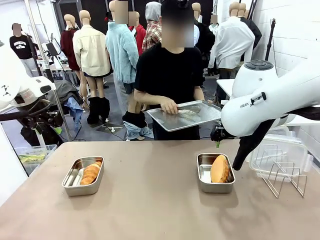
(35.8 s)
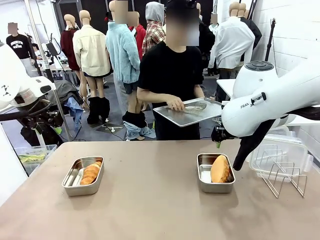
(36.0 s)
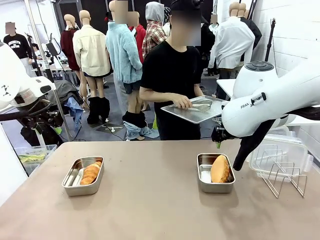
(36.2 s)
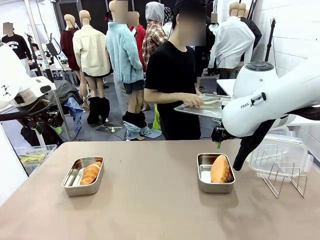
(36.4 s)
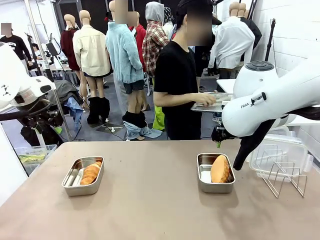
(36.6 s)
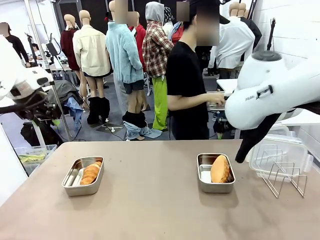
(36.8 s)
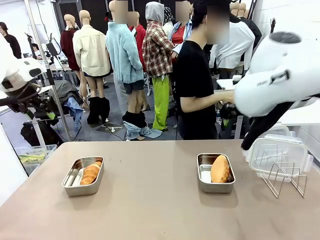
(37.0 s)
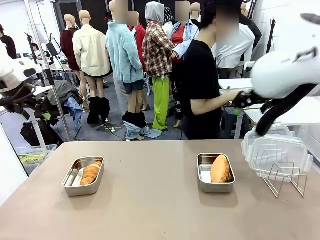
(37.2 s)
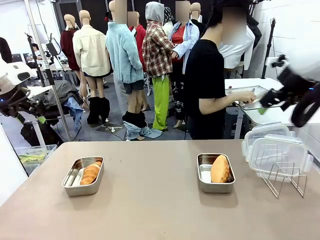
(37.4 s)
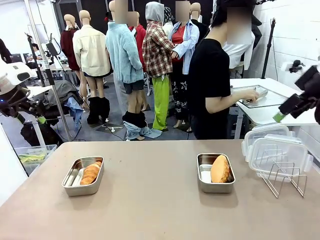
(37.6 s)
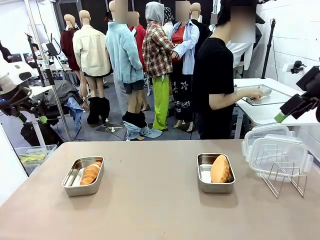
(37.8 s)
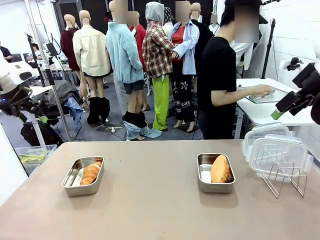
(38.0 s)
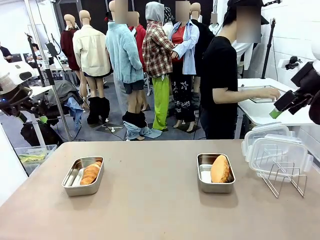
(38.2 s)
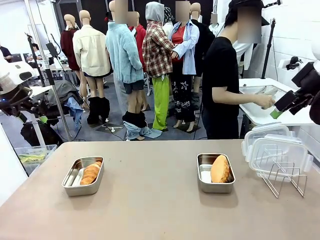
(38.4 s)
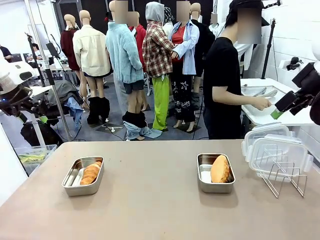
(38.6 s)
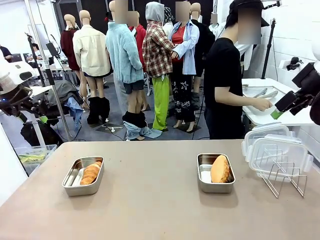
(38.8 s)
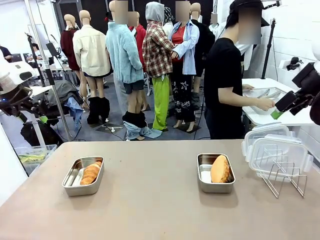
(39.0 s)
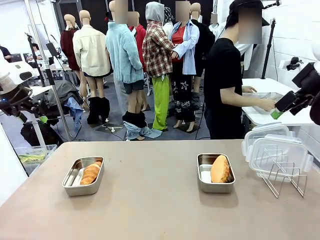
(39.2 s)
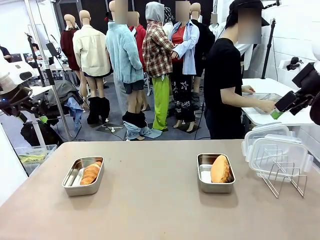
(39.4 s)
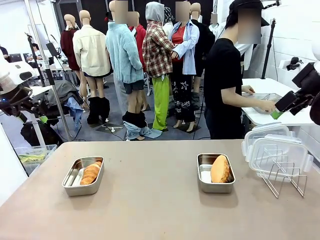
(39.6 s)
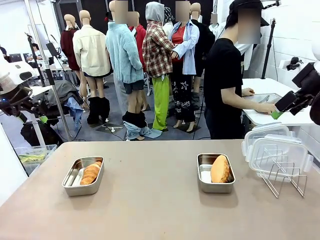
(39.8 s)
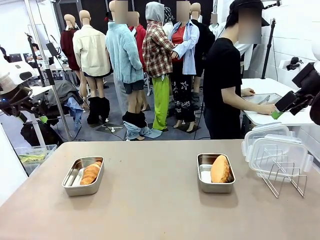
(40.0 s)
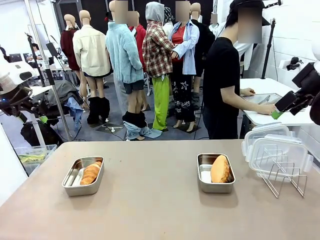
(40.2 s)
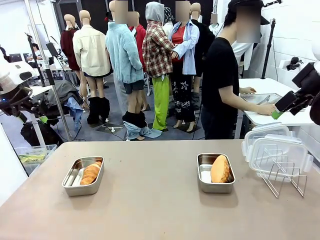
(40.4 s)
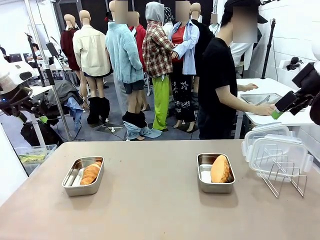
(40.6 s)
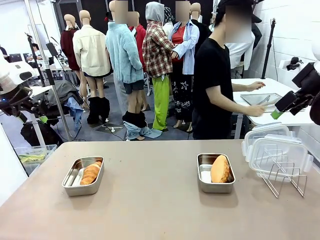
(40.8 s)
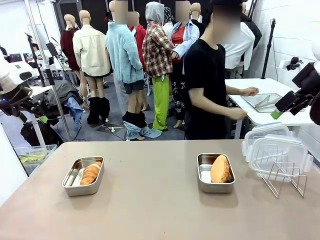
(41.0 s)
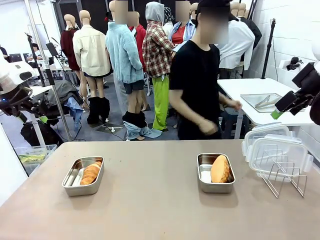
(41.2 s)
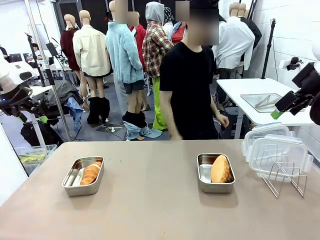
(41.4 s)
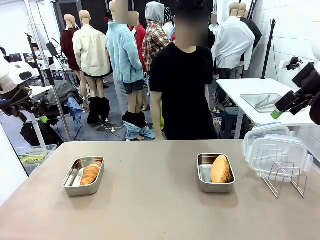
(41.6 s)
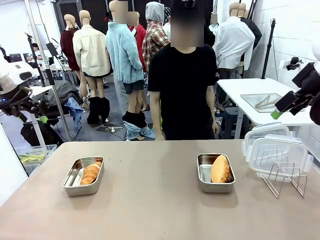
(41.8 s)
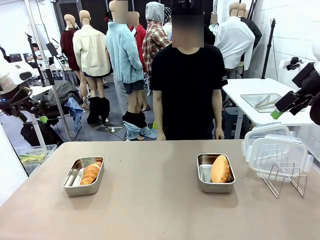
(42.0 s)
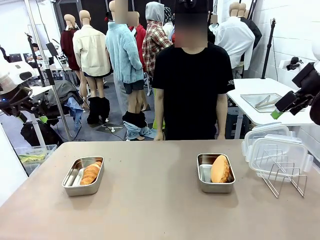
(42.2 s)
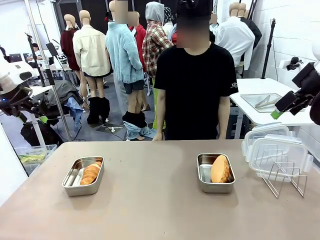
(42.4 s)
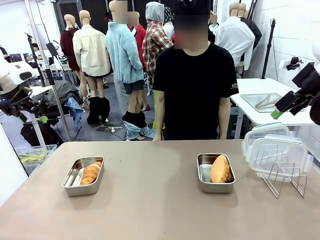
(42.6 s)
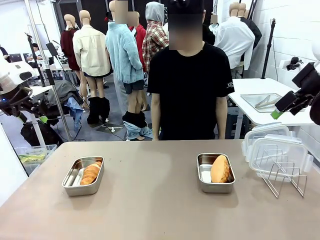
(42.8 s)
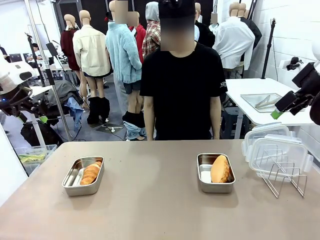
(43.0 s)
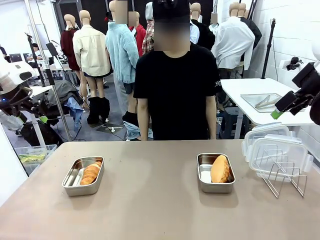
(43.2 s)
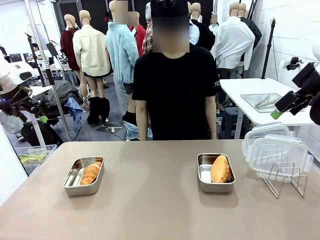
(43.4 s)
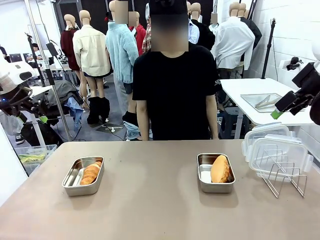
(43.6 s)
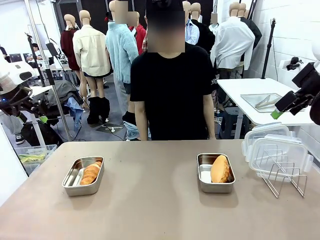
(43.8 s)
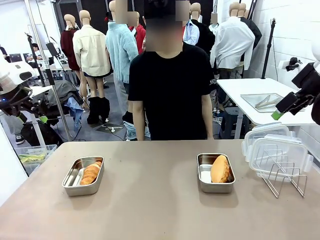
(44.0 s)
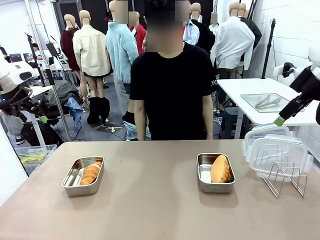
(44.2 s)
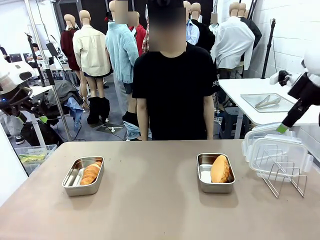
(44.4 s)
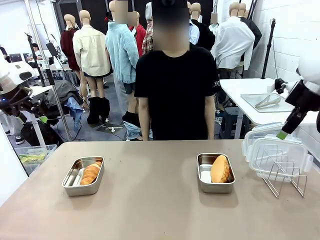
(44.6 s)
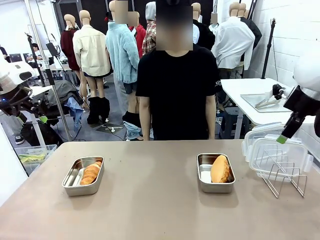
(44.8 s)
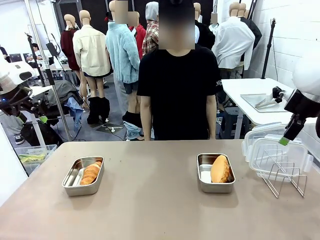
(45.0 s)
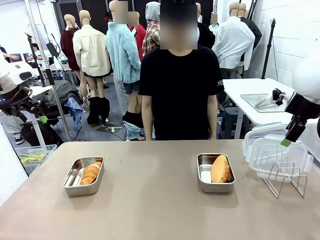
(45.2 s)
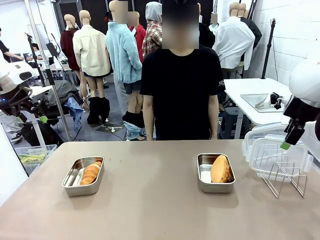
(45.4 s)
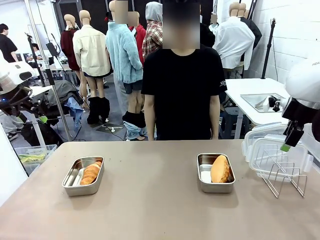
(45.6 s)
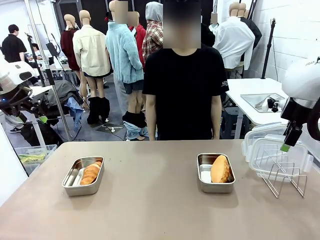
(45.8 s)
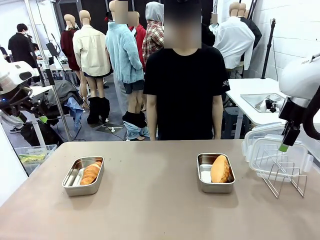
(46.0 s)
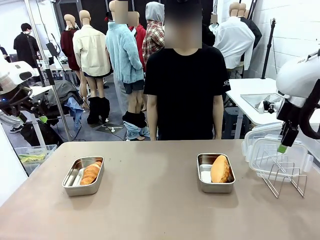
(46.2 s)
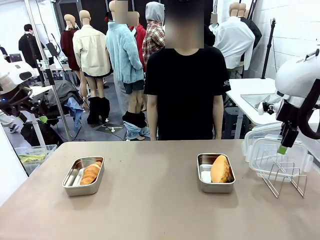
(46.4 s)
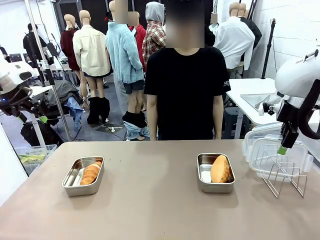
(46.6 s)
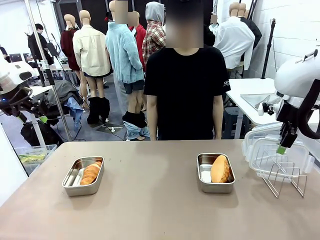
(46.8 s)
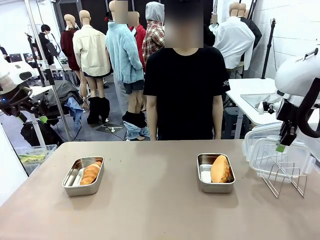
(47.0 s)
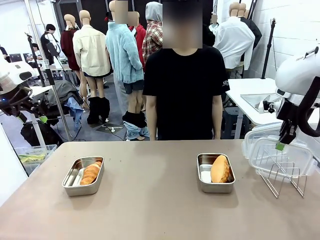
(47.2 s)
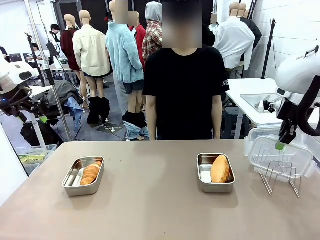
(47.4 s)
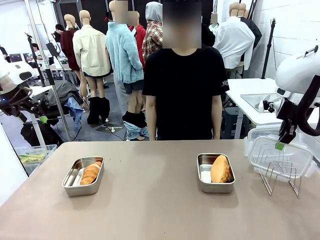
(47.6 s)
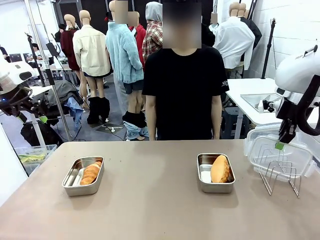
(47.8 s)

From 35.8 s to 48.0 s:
Task: Place the bread in airtight containers.
Robot: Pick up one Airtight Container lid and hand it to the human.
Person: Place Baking Sheet on the Human's Table.

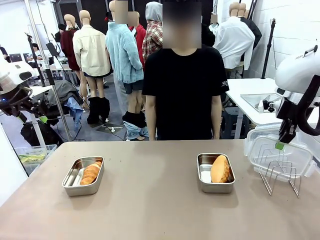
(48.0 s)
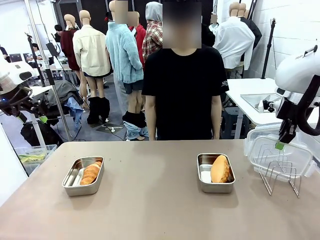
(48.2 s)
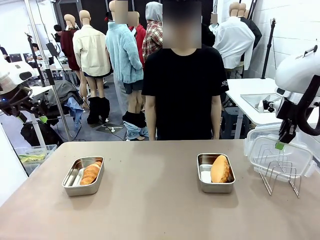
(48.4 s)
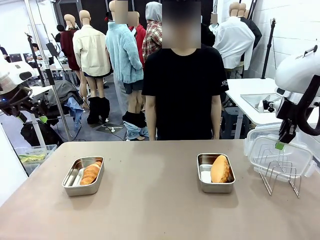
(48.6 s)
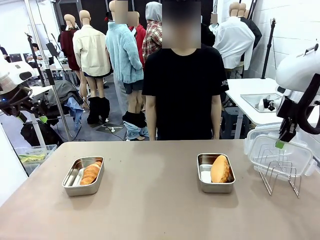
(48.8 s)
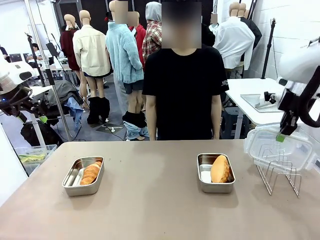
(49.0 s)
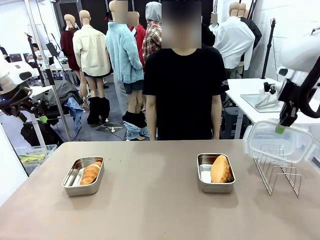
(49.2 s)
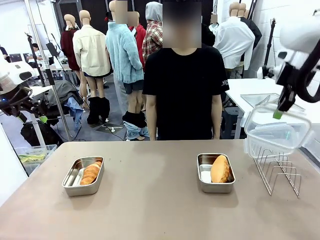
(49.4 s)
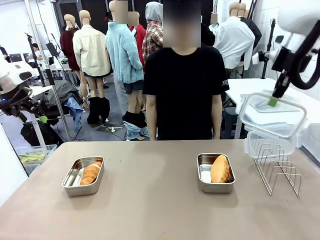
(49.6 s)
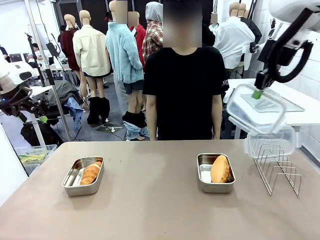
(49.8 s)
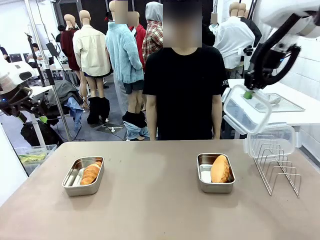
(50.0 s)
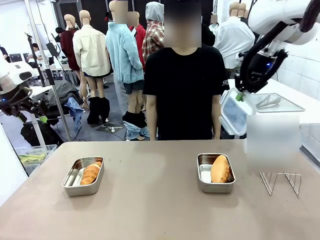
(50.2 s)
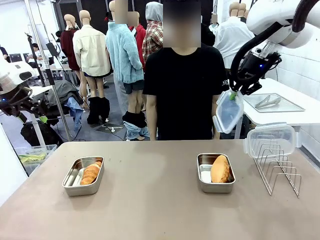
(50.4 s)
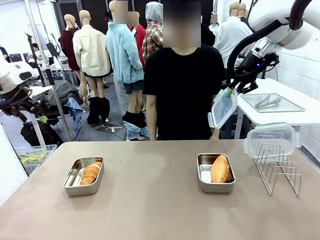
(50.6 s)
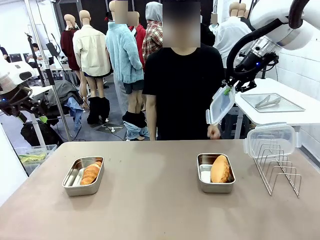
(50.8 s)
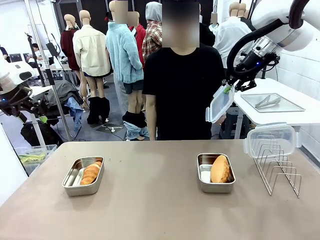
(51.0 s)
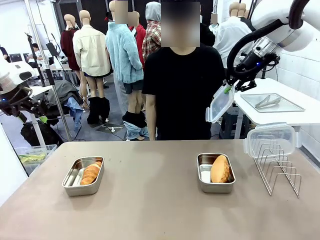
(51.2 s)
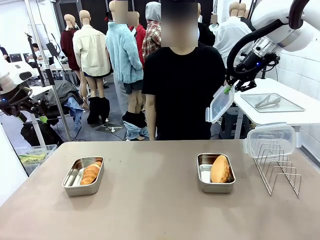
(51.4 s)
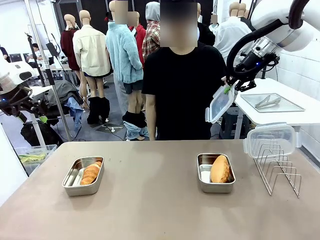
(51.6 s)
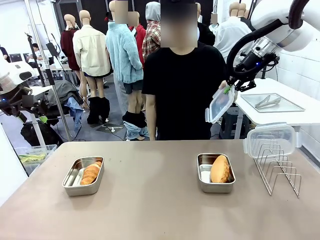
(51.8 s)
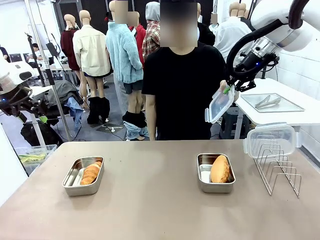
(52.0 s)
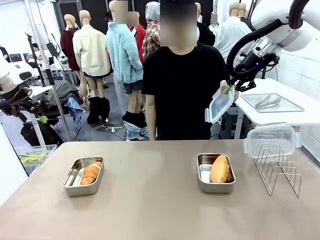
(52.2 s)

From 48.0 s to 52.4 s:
Robot: Release when the human grabs the Airtight Container lid.
